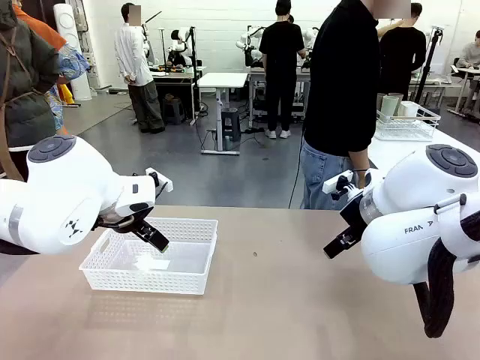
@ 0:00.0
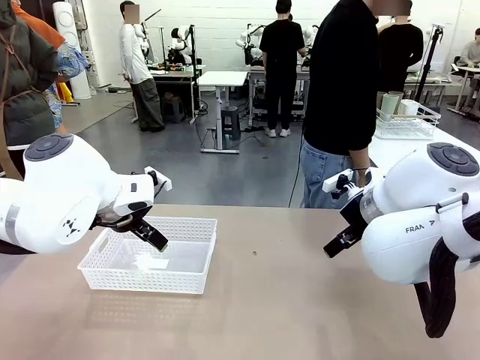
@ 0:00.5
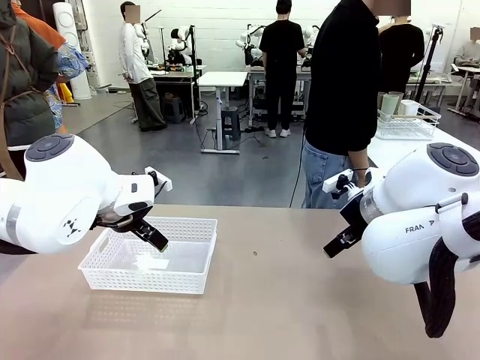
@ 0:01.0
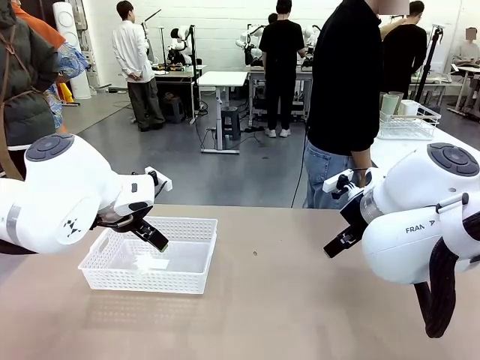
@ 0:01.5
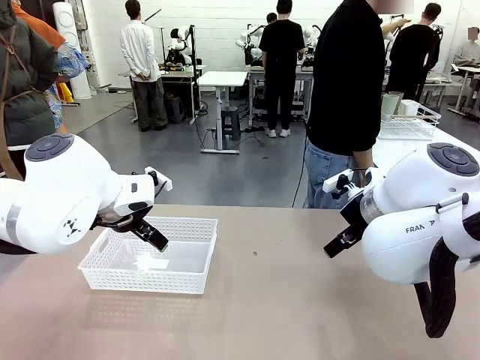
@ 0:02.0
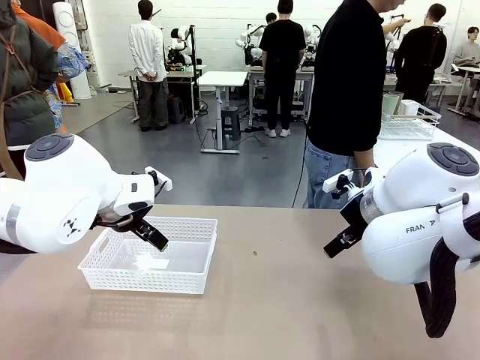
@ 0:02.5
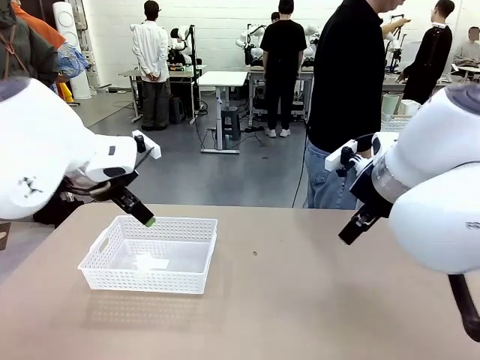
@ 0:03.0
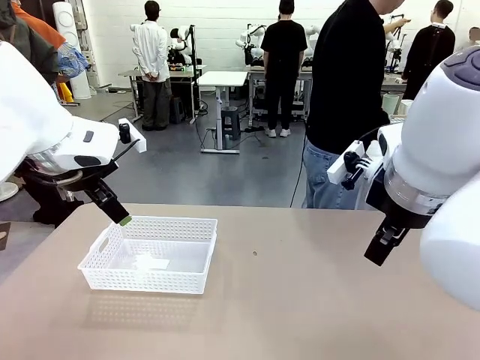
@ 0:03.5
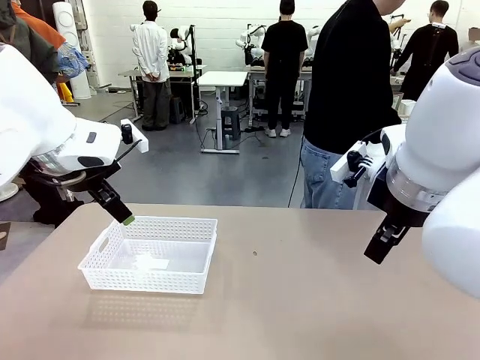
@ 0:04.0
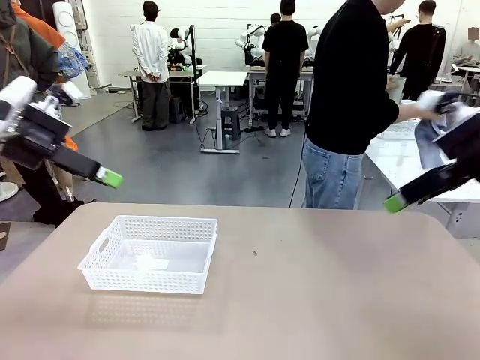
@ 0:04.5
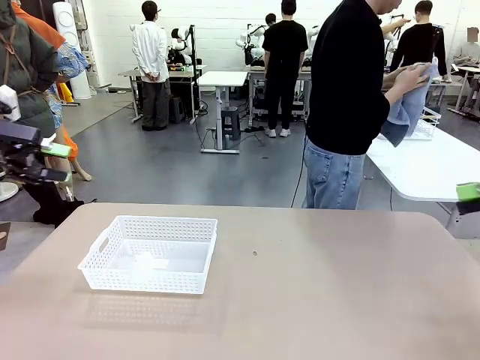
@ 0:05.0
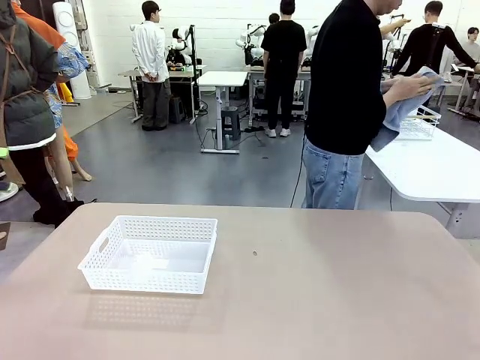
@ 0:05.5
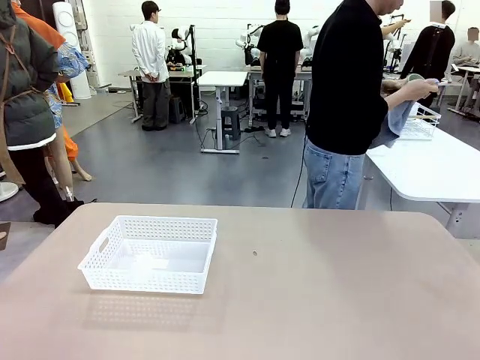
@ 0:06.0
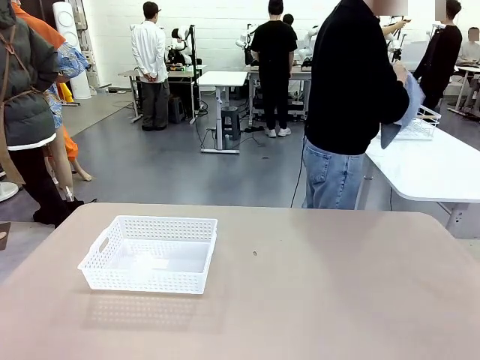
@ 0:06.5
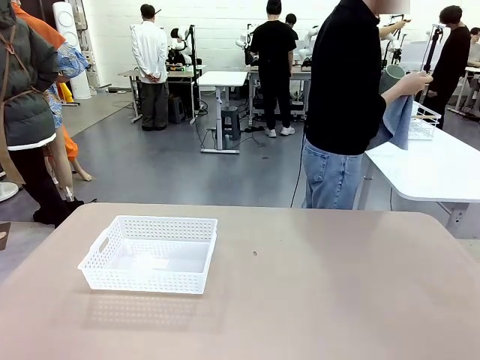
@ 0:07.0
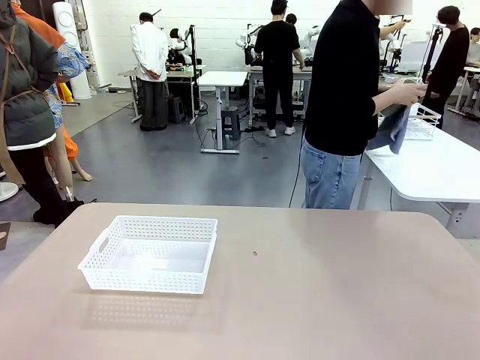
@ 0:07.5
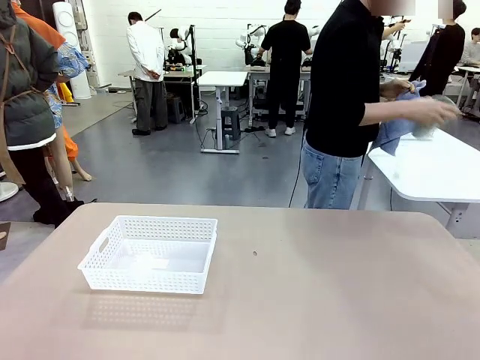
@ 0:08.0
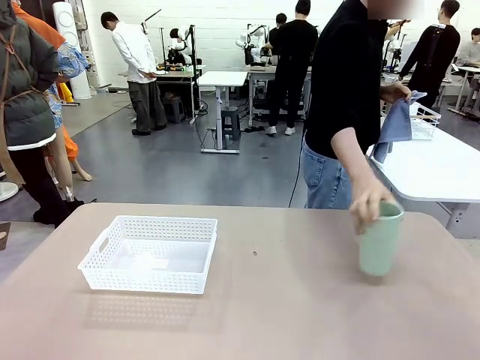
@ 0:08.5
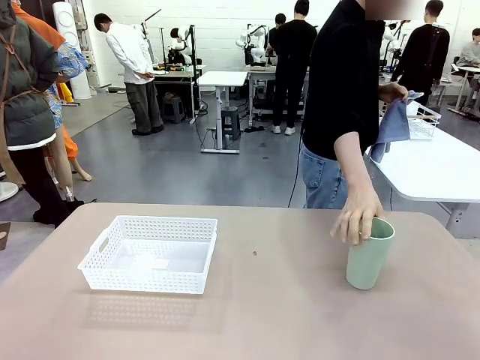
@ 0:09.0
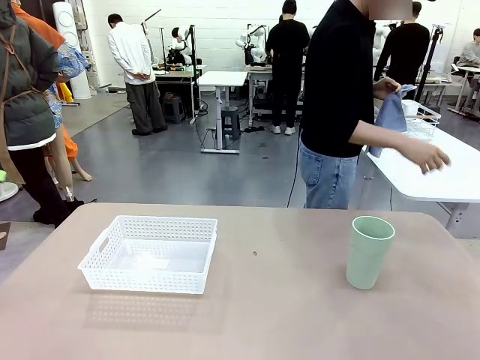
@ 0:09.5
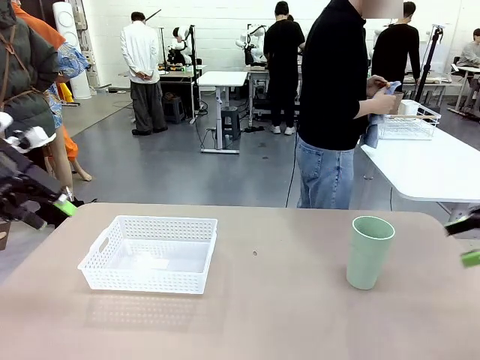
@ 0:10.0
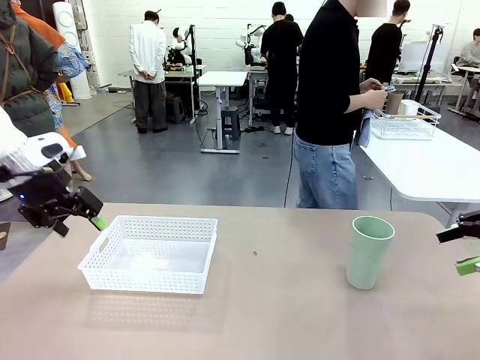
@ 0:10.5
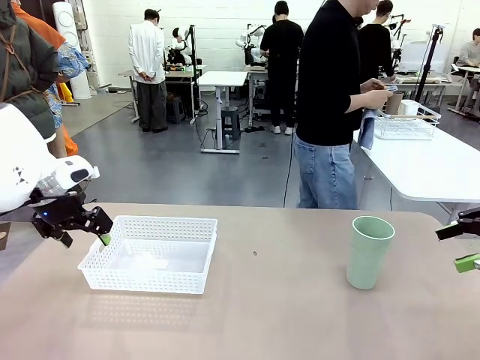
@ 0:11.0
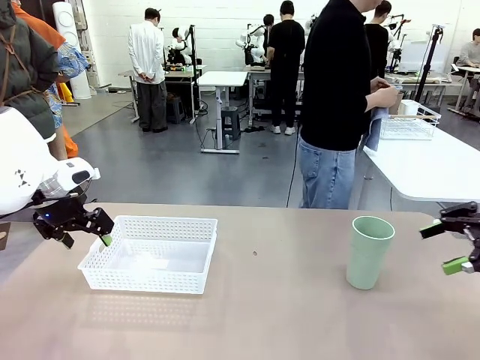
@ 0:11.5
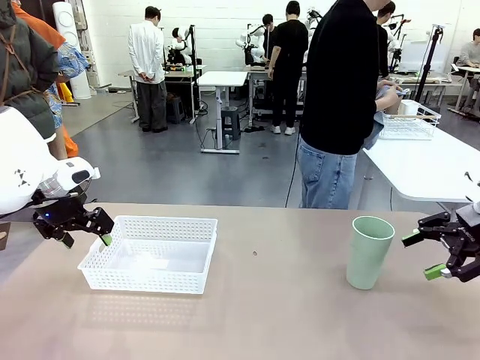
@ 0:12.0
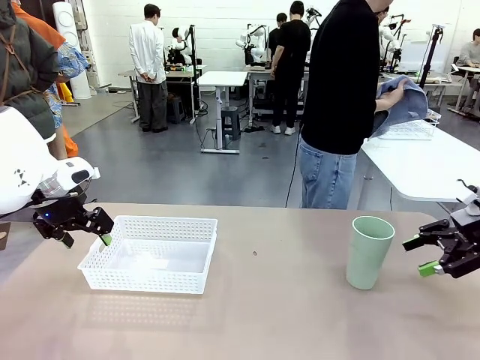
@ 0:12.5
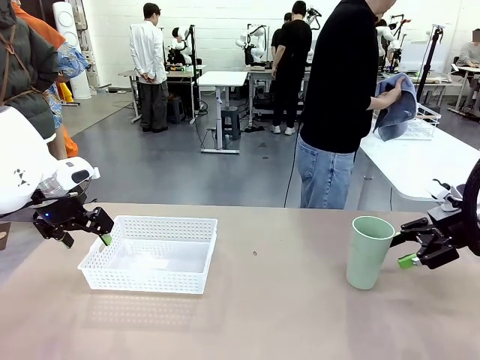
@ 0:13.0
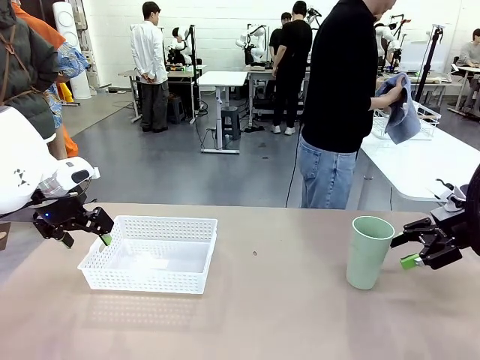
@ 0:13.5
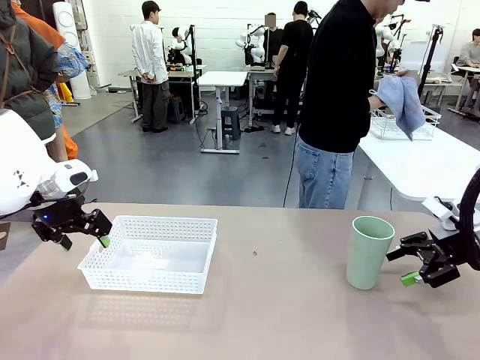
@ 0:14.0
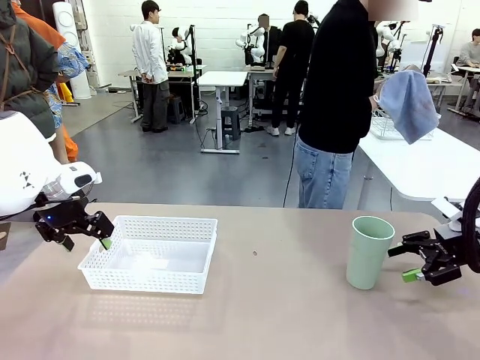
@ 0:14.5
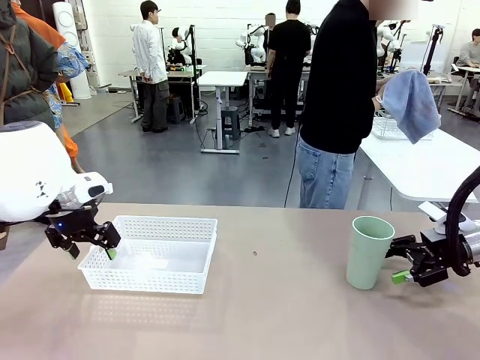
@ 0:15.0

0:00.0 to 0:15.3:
Task: Clean and organize the cups into the basket.
Robot: Pick up the Organizing basket and move it to the center of the table, then pick up the Reusable plastic cup from the right side of the table and place it inside the Organizing basket.
Person: Picks up a cup and a towel, cleans the cup with the towel, and places it on the left side of the robot table.

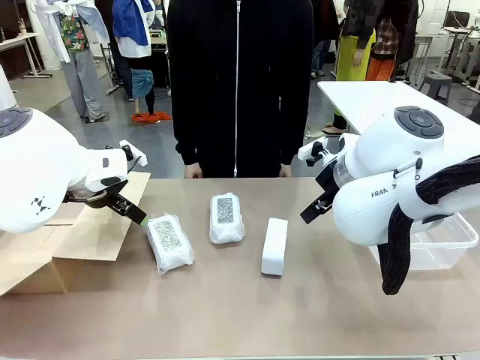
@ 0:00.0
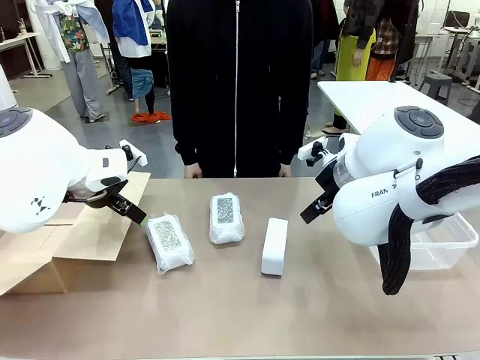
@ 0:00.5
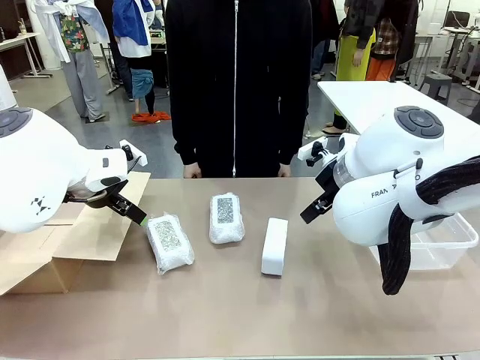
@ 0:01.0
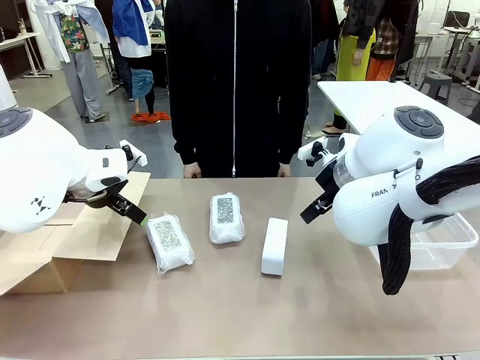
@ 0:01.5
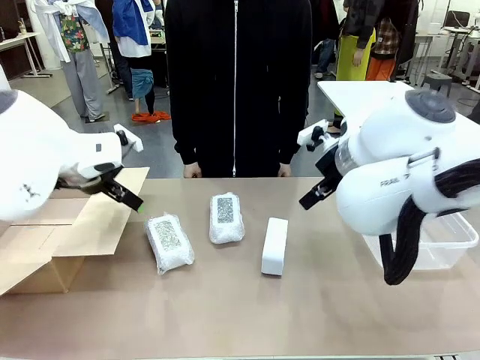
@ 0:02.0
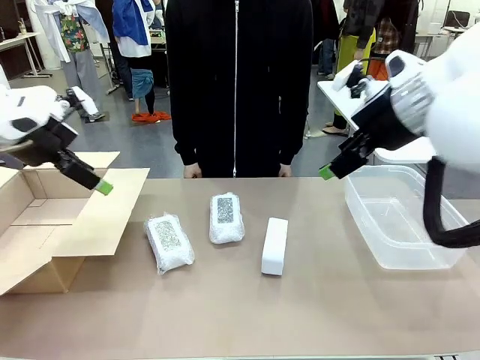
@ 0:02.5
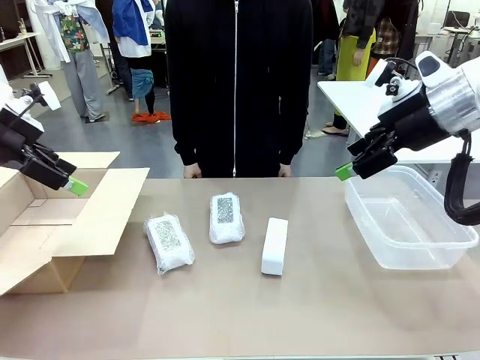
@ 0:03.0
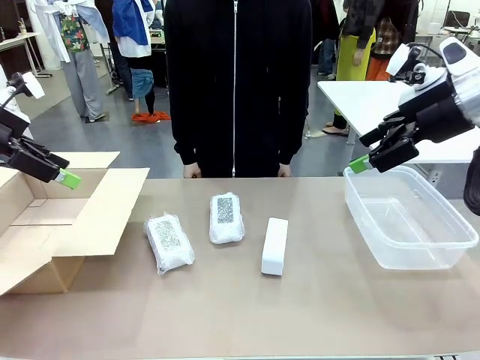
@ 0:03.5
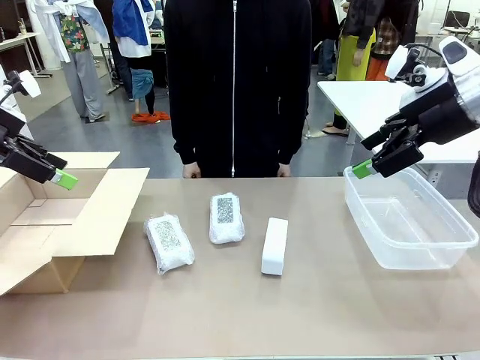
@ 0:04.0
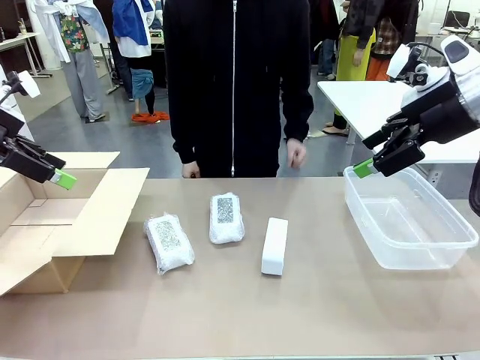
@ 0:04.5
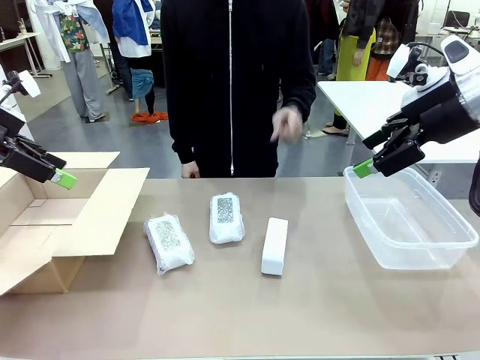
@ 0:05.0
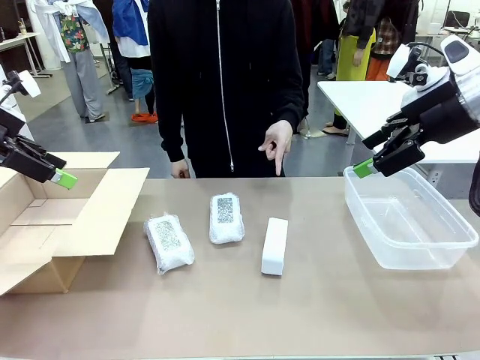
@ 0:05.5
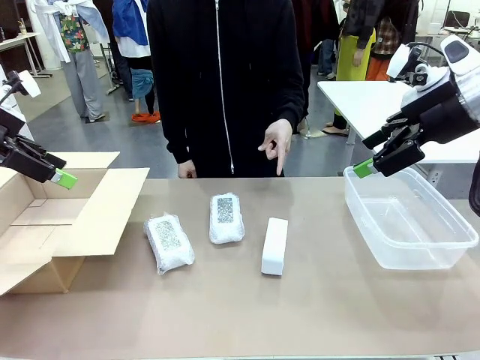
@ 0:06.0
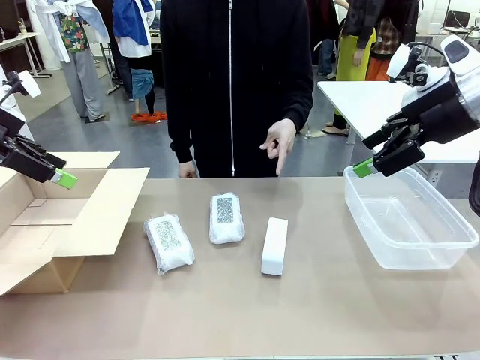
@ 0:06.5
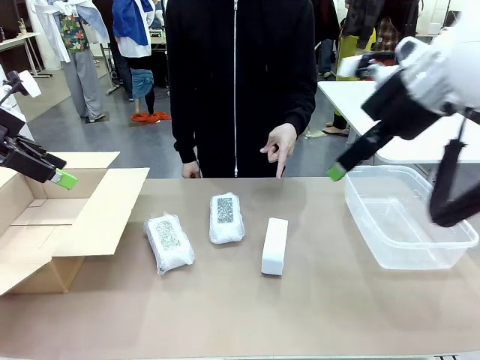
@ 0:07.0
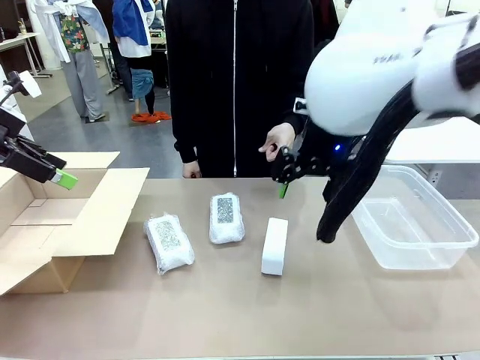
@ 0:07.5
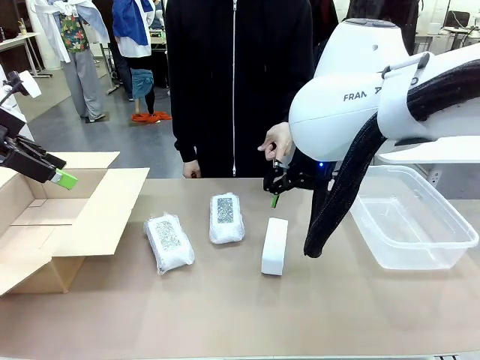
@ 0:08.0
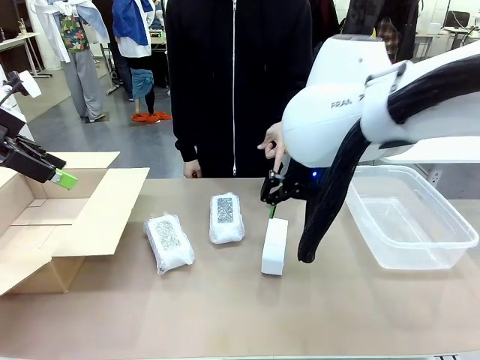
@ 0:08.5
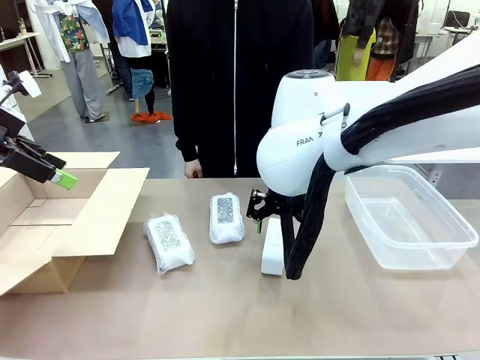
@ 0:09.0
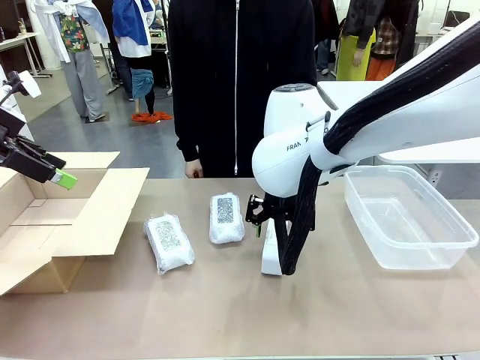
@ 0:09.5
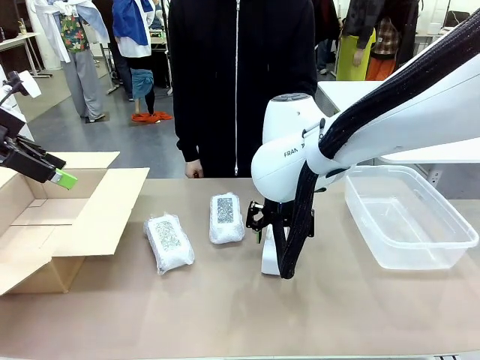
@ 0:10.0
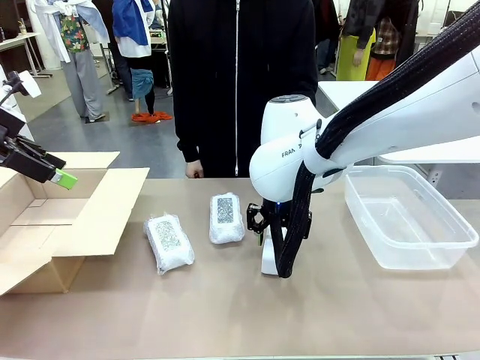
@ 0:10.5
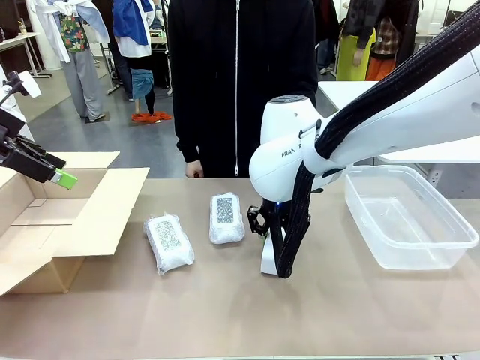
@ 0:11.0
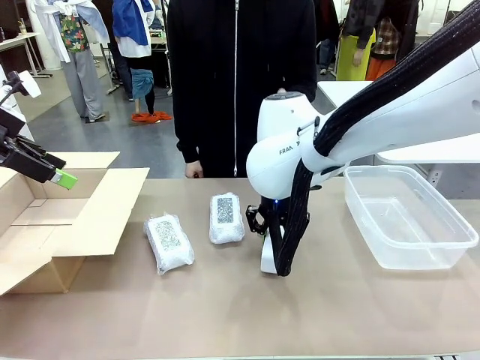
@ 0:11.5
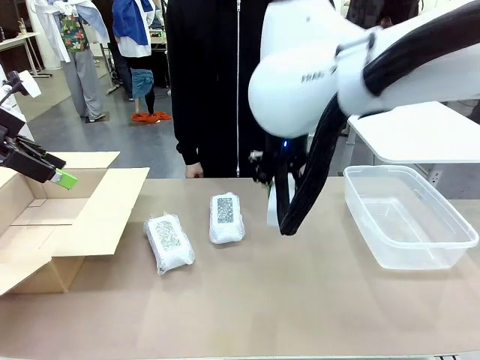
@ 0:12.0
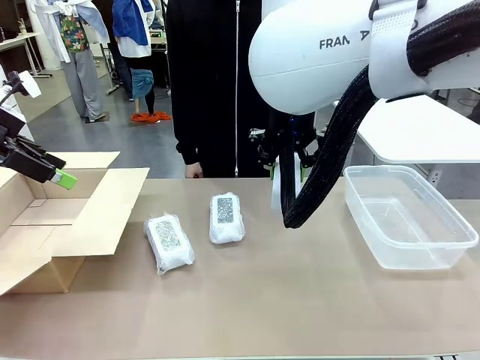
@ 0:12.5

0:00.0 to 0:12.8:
Task: Separate and place wrapped and unwrapped clocks.
Robot: Pick up the Digital clock indicated by the person.
